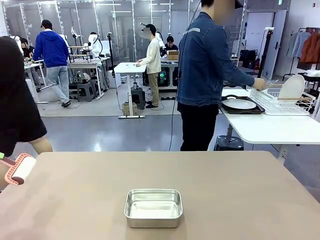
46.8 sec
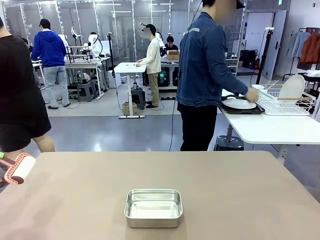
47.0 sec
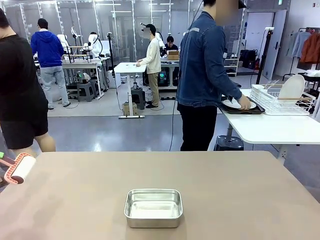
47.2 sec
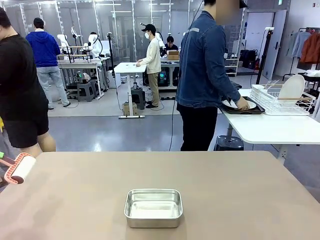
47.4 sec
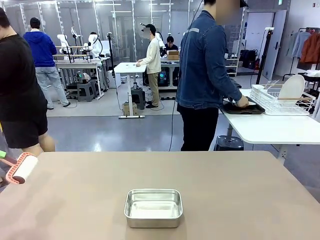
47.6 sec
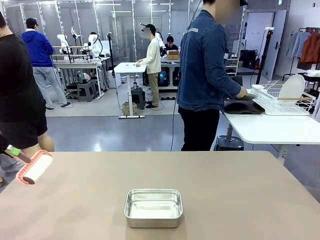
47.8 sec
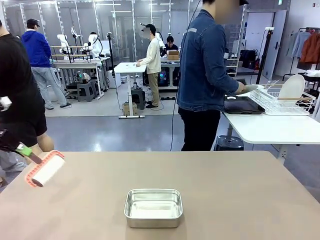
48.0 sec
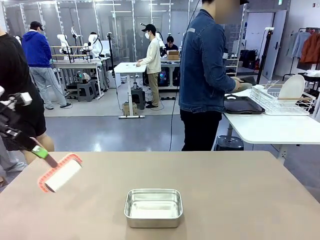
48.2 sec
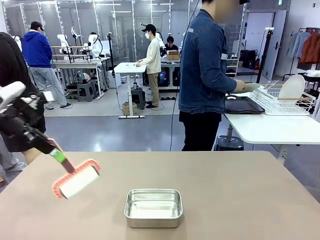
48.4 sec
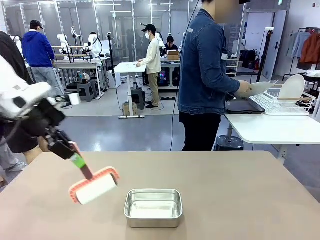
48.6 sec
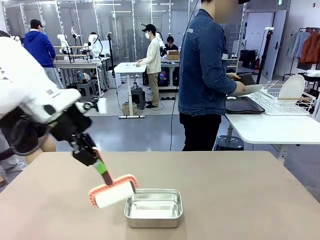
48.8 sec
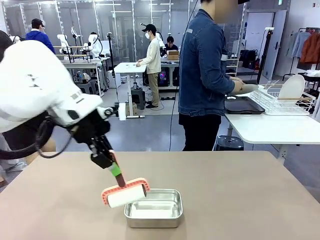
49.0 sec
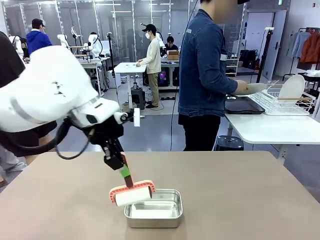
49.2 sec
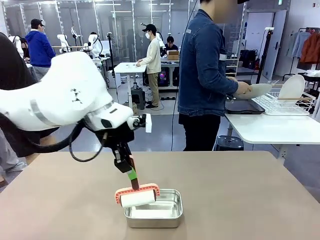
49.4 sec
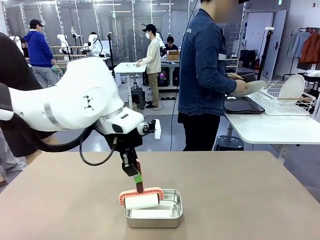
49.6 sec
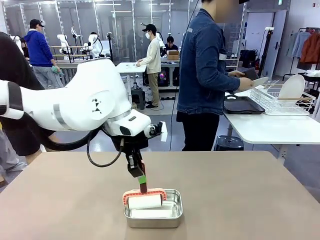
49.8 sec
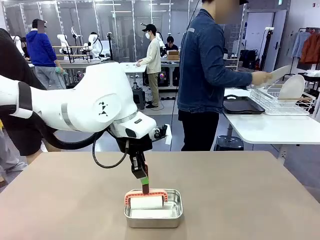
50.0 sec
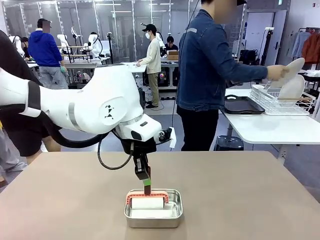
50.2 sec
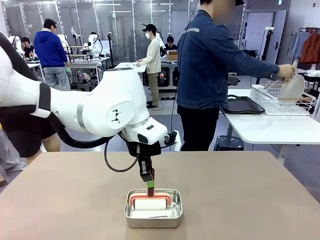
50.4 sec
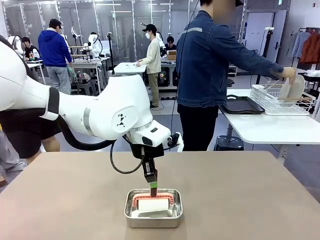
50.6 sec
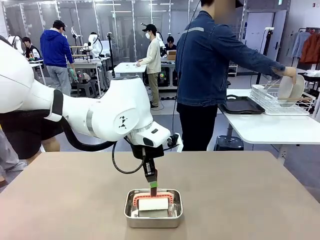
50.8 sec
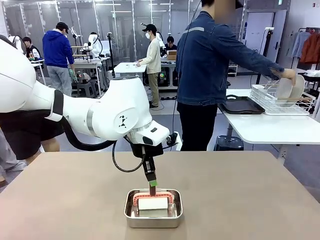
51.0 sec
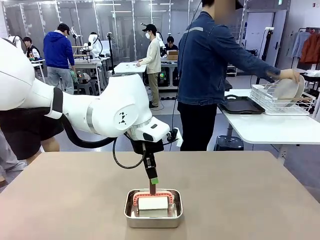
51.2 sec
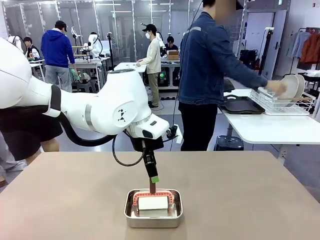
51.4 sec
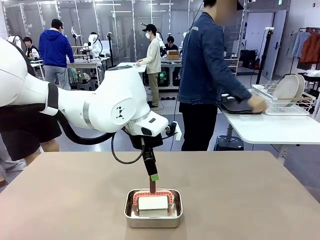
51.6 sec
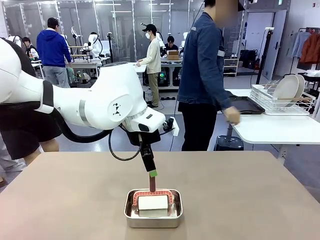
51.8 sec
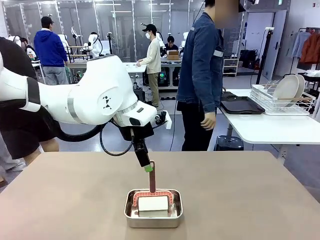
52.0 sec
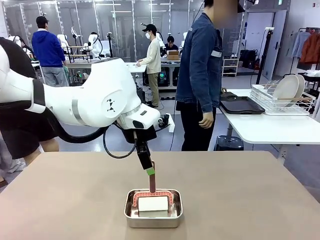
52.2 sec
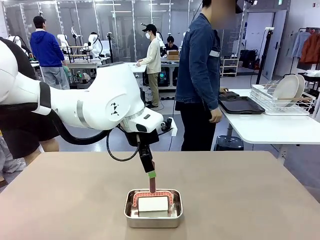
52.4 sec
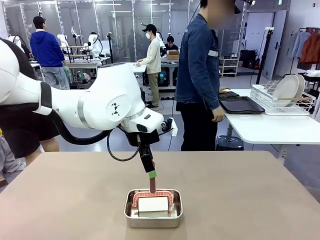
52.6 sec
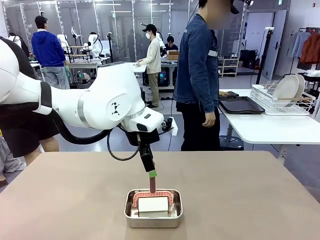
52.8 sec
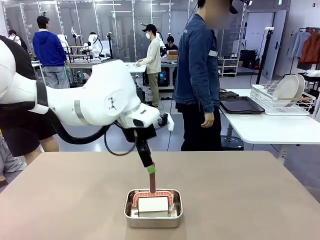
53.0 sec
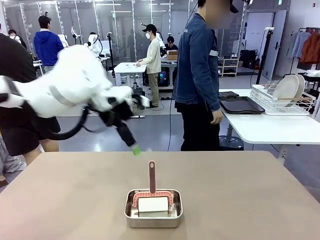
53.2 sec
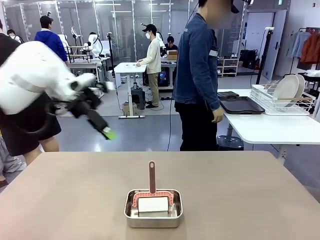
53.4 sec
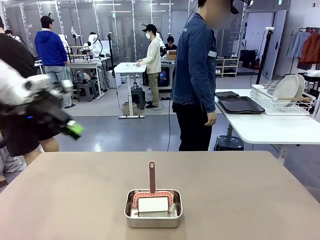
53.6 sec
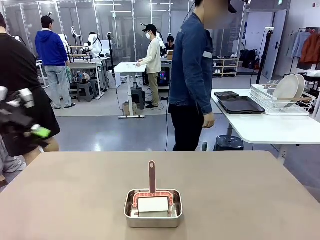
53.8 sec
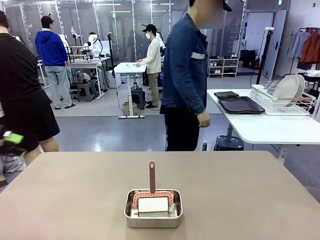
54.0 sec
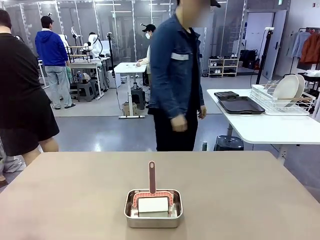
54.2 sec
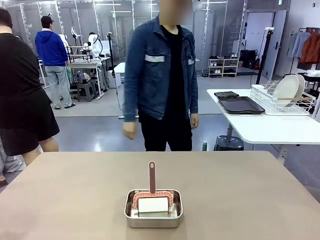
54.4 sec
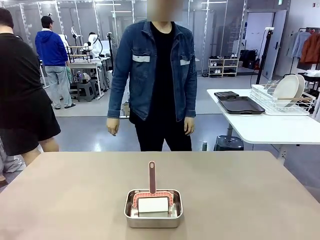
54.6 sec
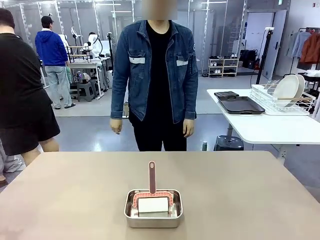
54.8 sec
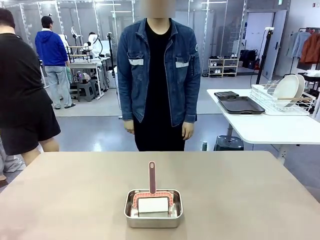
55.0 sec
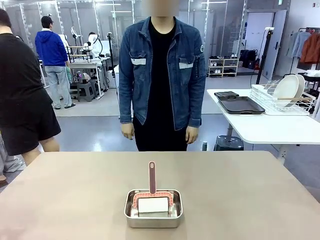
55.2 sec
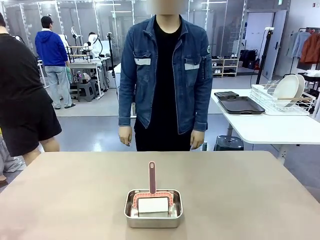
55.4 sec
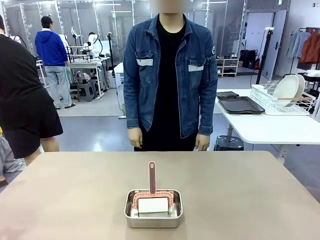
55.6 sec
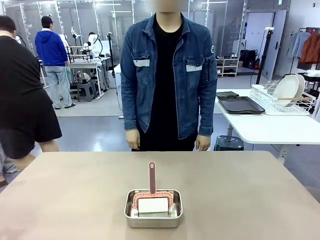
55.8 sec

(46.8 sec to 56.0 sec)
Robot: Place the Lint Roller back on top of the Airtight Container.

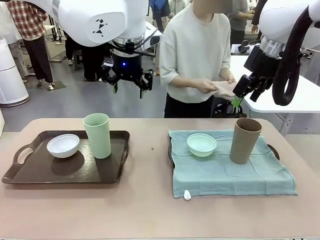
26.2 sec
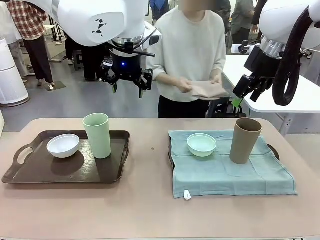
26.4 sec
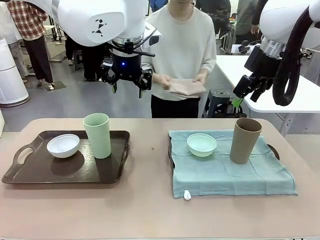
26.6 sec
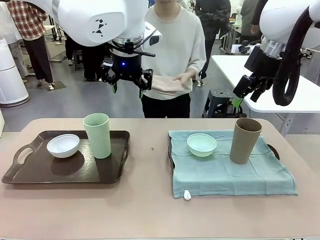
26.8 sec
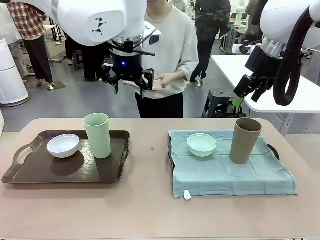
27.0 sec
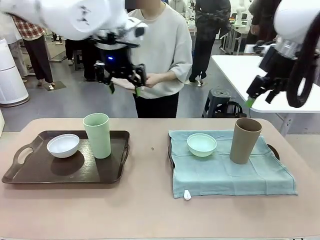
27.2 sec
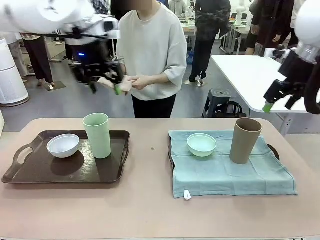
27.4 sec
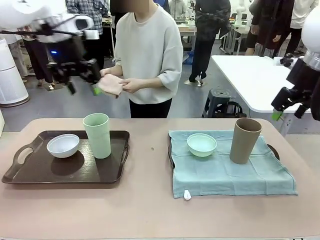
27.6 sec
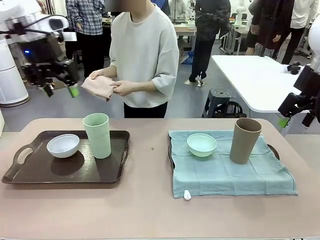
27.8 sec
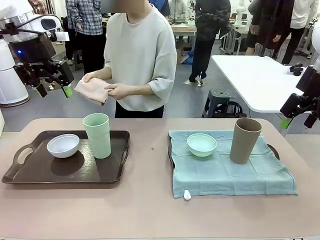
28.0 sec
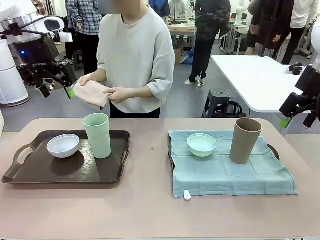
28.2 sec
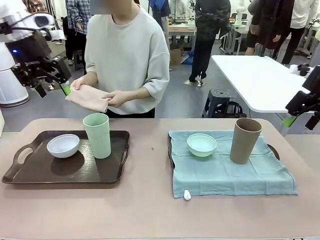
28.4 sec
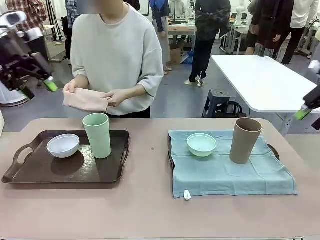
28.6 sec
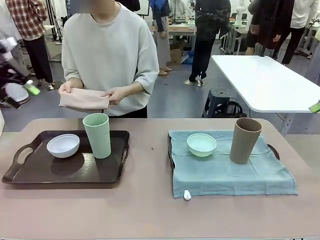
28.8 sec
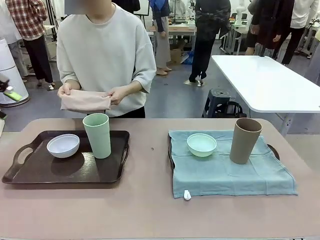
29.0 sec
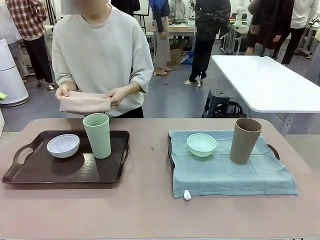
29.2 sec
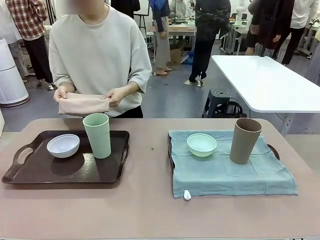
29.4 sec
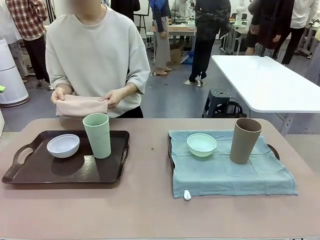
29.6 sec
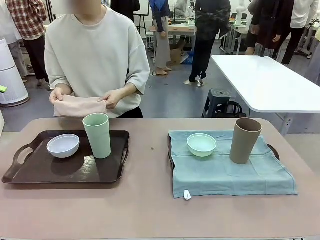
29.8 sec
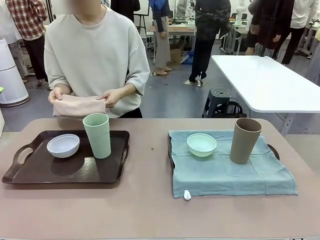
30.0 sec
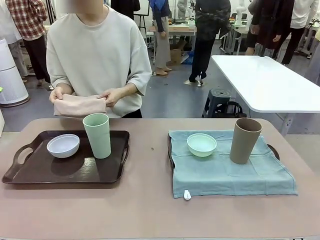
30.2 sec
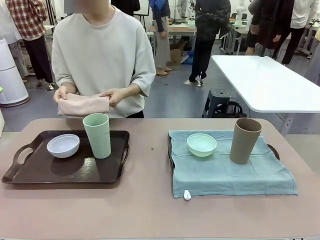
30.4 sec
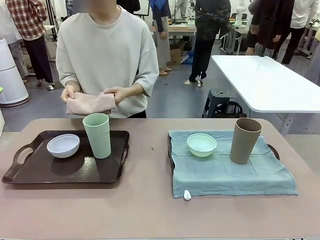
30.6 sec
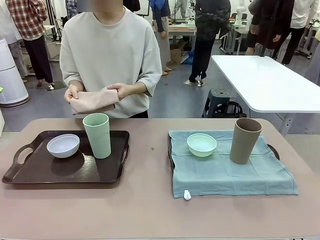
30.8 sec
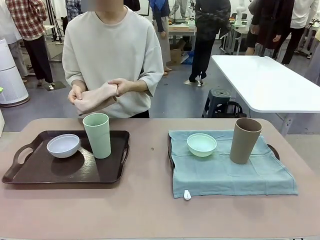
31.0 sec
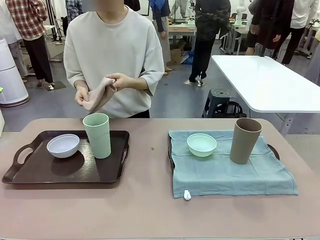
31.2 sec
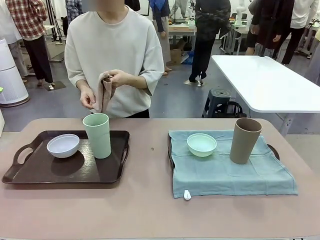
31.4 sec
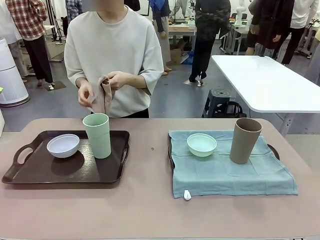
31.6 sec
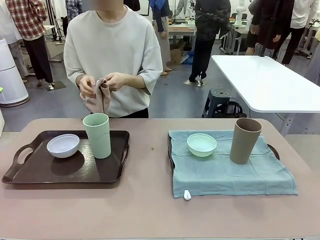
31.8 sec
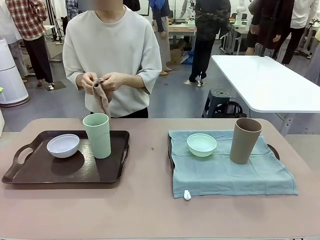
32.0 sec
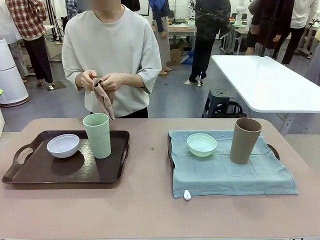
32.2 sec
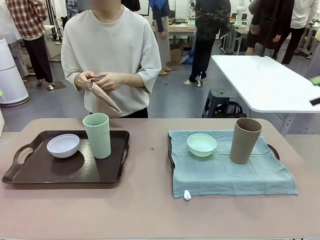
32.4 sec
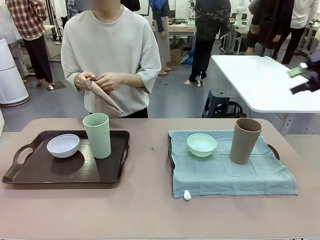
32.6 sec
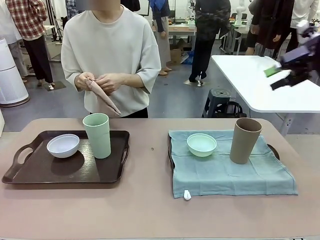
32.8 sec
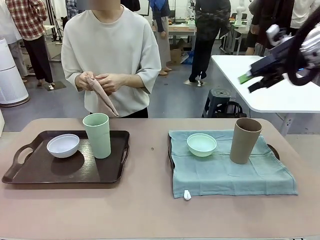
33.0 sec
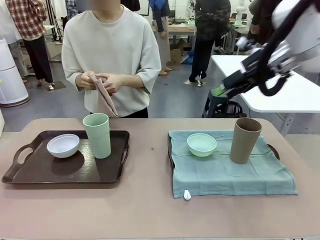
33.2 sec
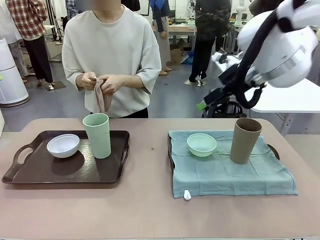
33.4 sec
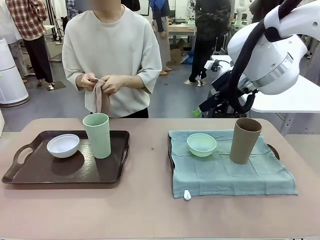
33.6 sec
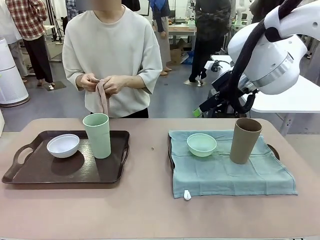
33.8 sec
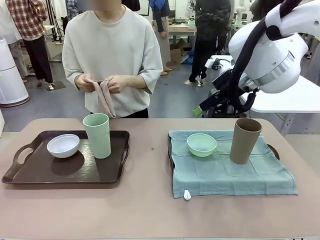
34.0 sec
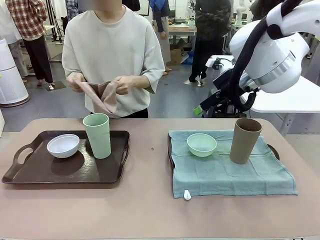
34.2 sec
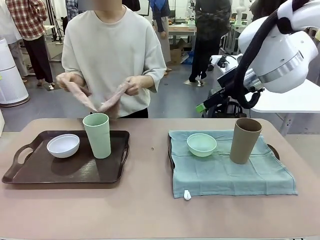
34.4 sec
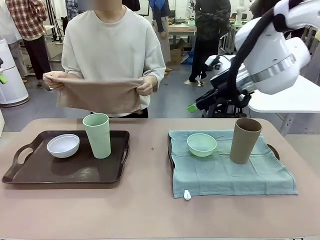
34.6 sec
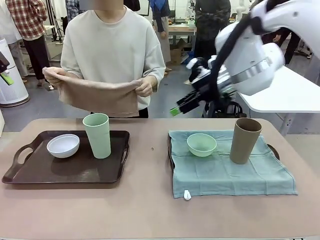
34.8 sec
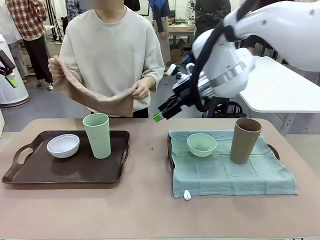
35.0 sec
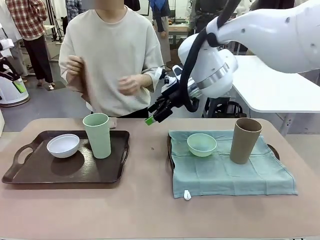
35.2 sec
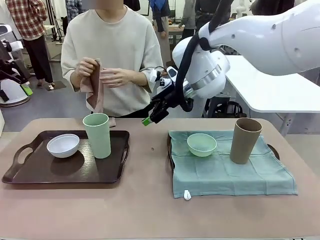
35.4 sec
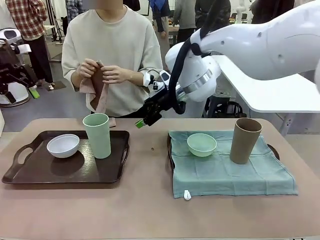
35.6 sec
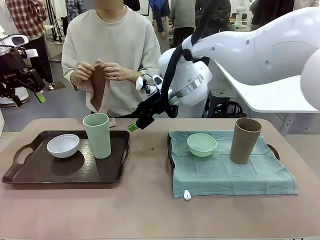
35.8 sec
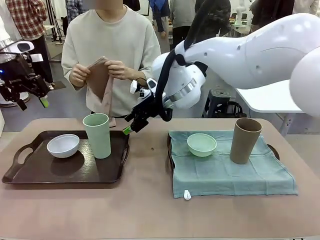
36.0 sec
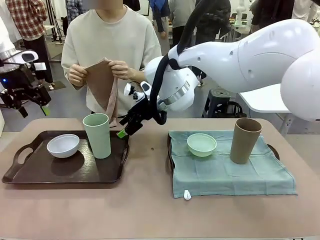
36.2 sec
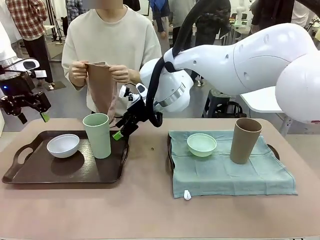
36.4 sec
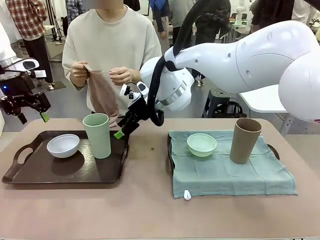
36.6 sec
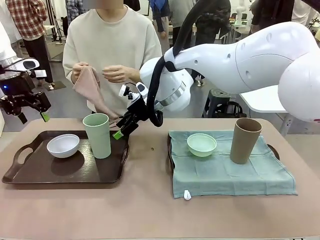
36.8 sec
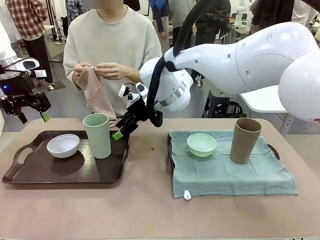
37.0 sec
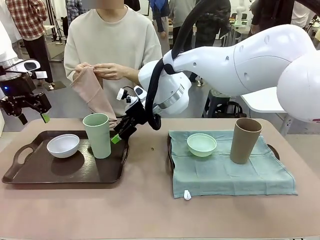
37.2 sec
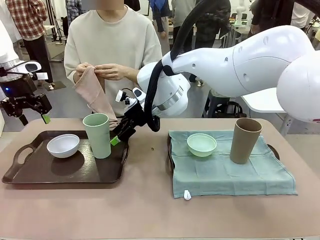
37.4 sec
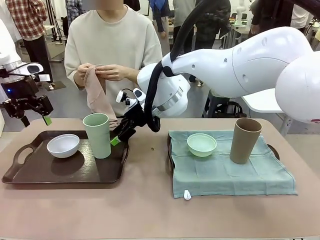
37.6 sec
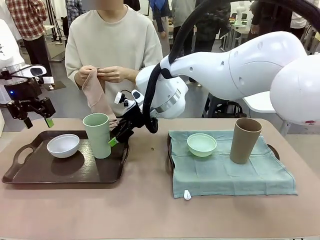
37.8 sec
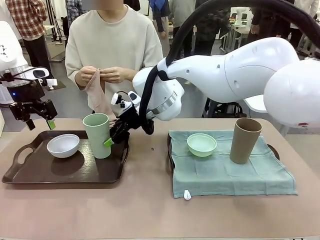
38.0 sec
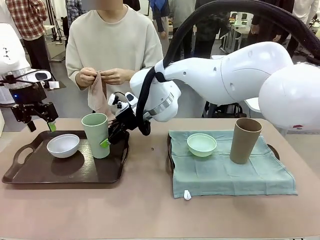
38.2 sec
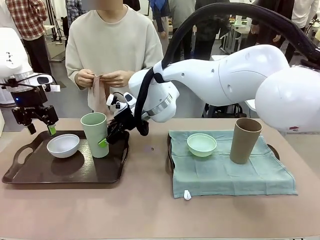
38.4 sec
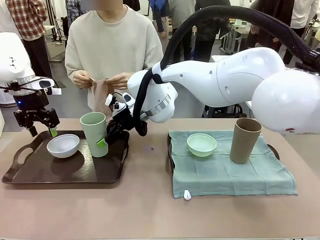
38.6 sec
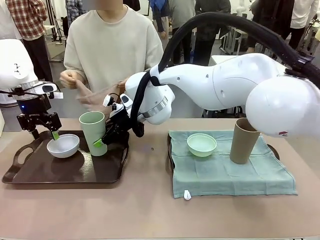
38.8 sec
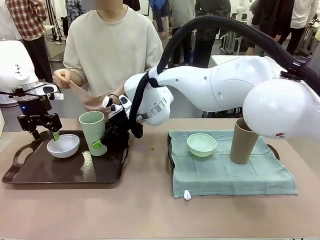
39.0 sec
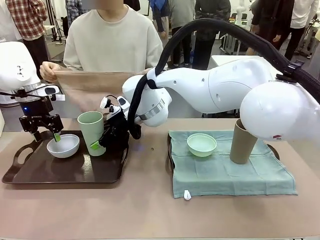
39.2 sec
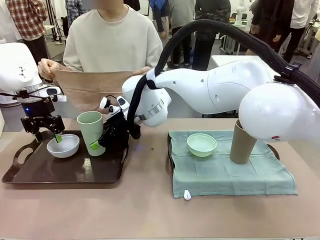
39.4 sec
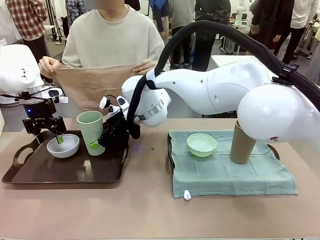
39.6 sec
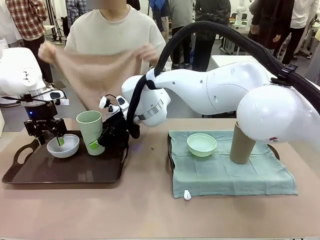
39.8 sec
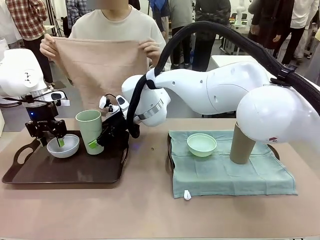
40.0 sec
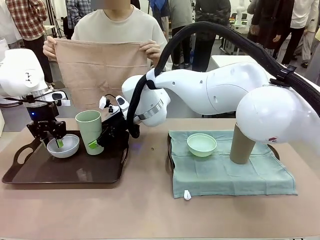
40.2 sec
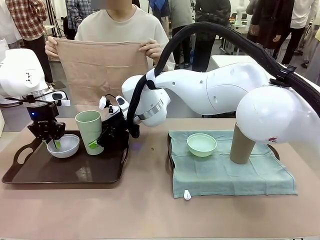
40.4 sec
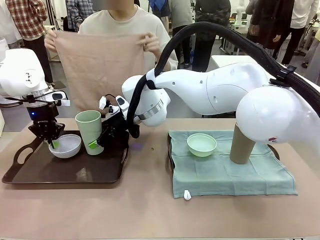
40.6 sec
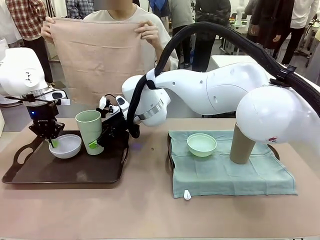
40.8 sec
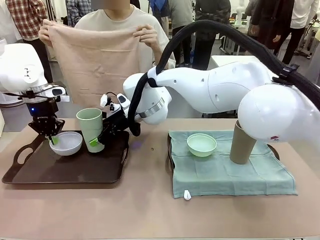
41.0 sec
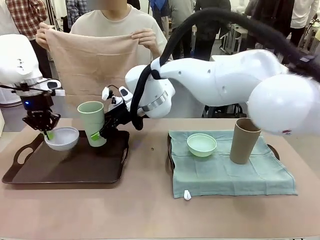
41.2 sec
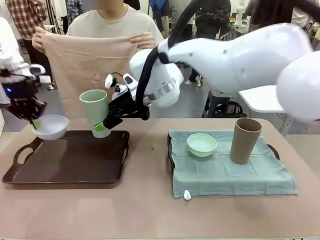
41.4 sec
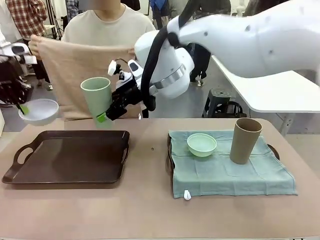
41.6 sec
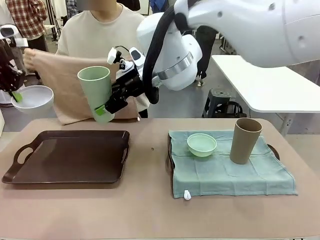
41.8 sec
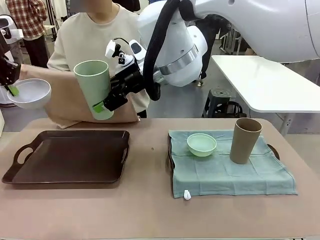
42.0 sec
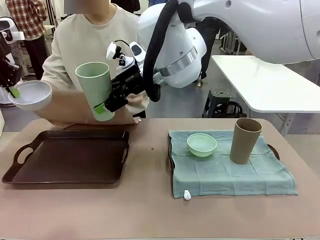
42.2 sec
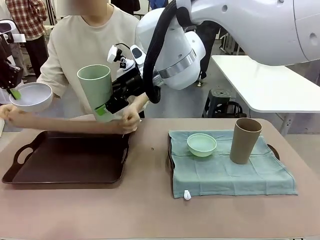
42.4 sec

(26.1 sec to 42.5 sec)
Robot: Pick up the Picnic Bowl and Reusable plastic cup from the Handle tray in front of the human's position and hold them in the air.
